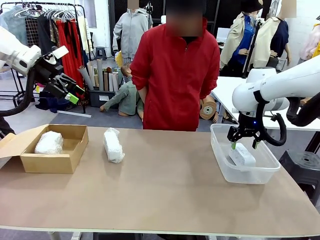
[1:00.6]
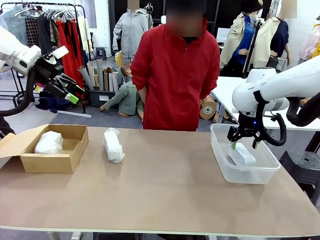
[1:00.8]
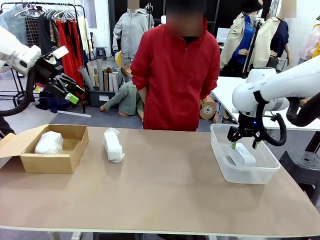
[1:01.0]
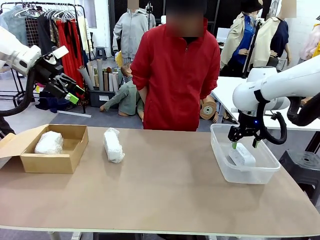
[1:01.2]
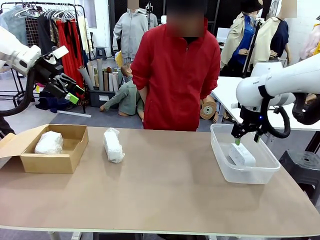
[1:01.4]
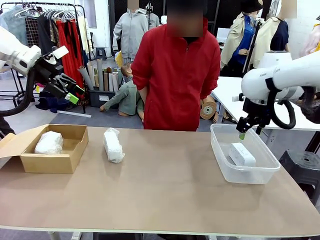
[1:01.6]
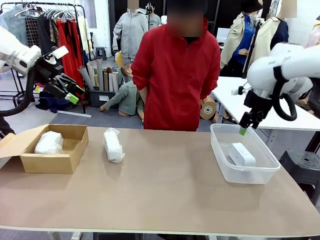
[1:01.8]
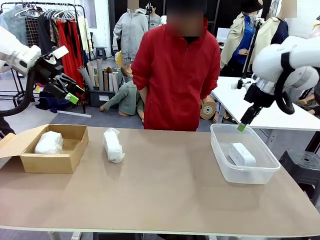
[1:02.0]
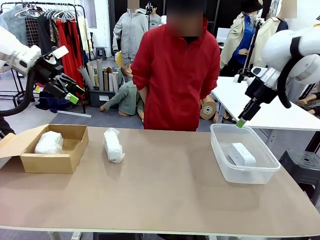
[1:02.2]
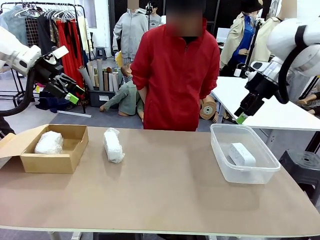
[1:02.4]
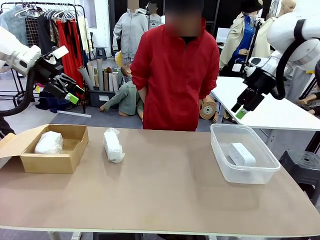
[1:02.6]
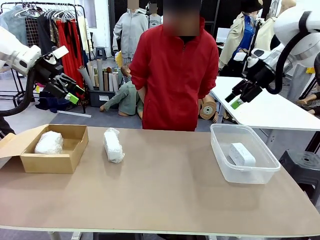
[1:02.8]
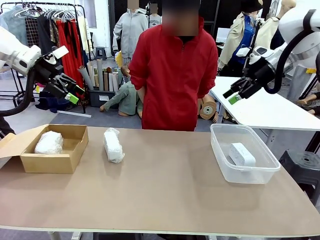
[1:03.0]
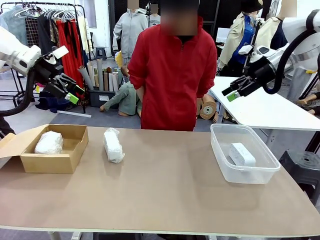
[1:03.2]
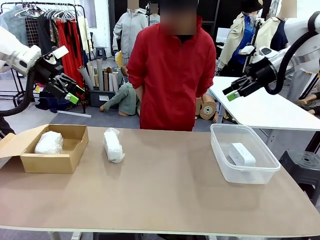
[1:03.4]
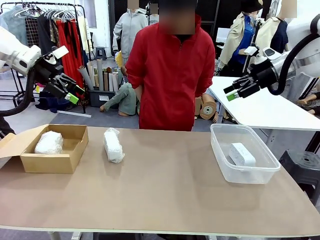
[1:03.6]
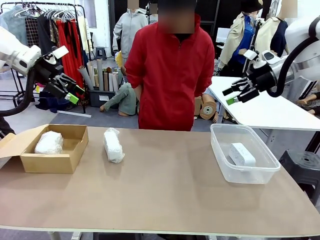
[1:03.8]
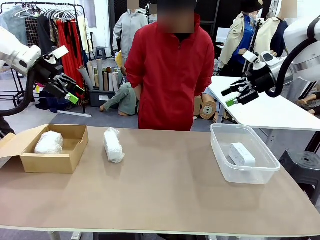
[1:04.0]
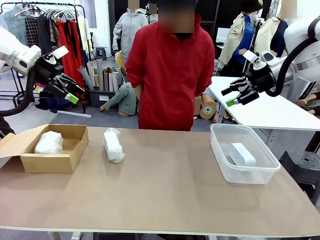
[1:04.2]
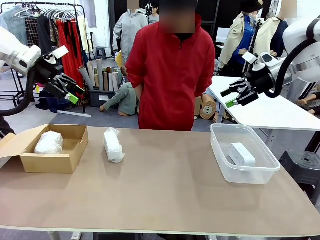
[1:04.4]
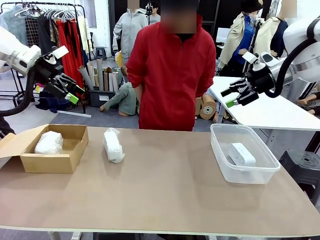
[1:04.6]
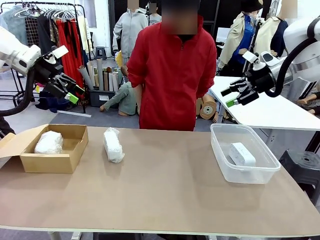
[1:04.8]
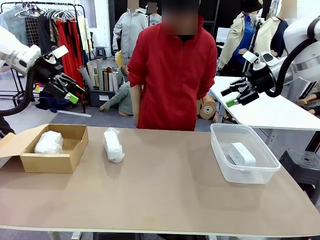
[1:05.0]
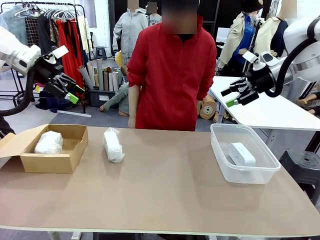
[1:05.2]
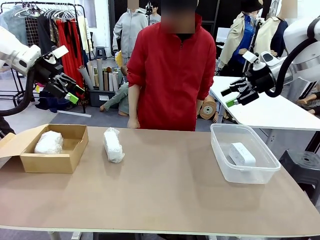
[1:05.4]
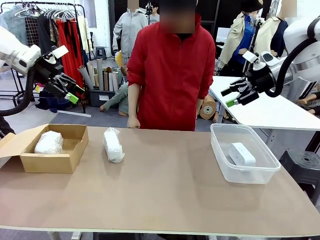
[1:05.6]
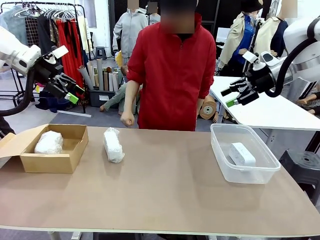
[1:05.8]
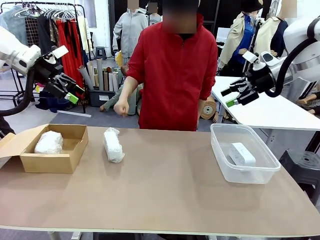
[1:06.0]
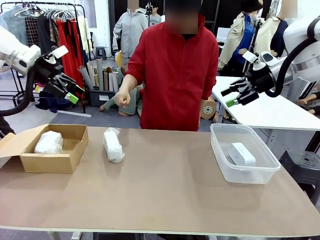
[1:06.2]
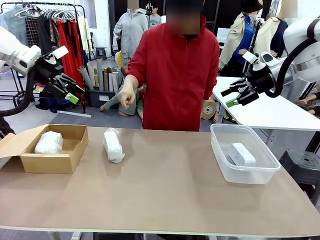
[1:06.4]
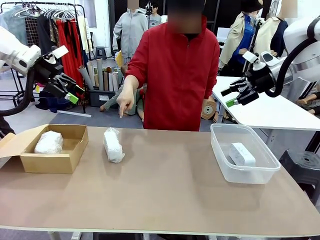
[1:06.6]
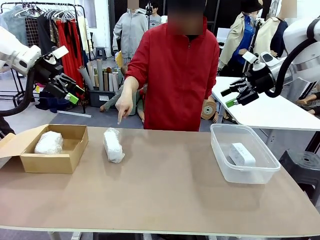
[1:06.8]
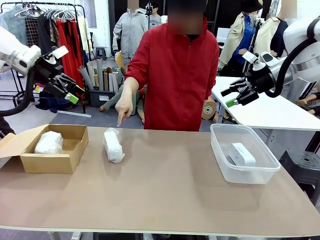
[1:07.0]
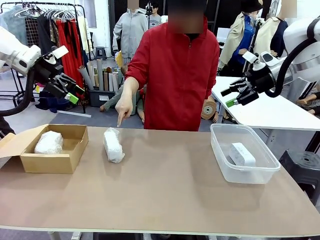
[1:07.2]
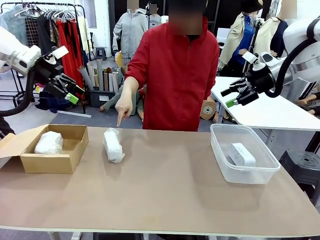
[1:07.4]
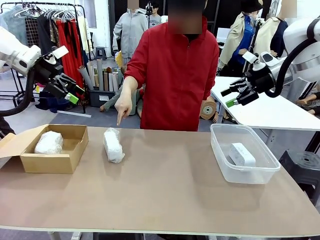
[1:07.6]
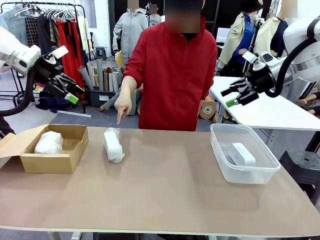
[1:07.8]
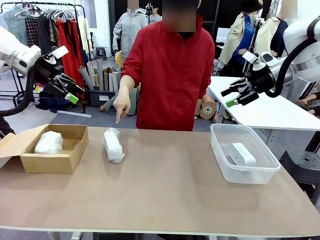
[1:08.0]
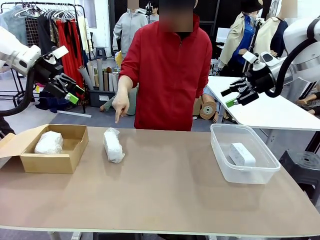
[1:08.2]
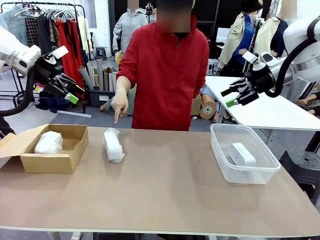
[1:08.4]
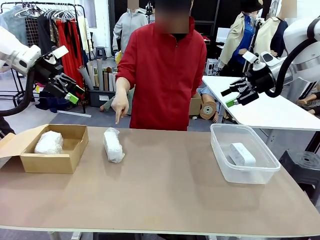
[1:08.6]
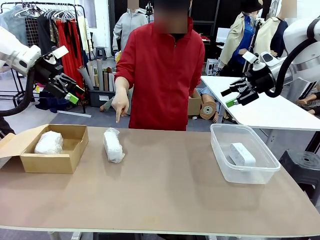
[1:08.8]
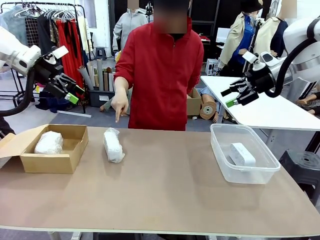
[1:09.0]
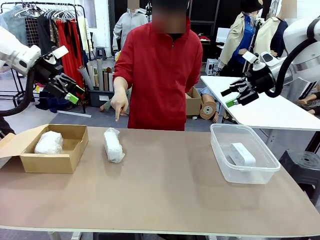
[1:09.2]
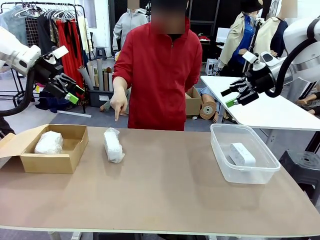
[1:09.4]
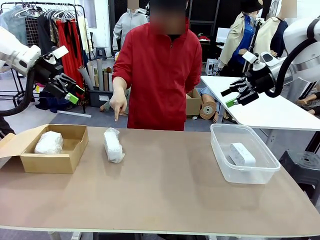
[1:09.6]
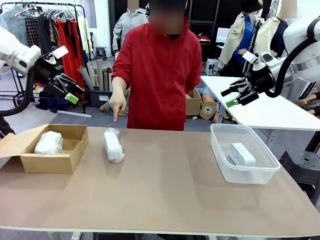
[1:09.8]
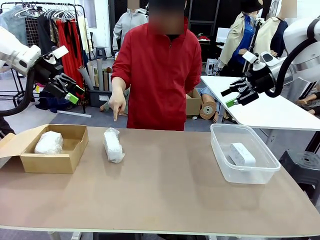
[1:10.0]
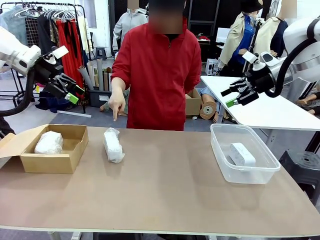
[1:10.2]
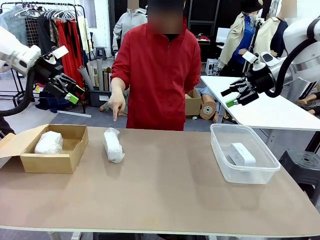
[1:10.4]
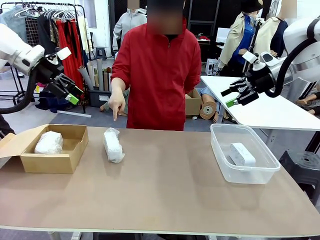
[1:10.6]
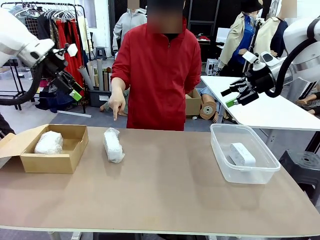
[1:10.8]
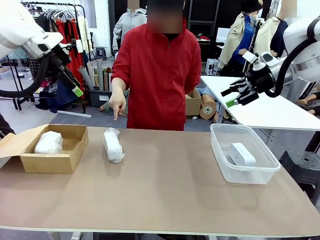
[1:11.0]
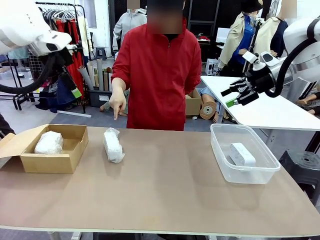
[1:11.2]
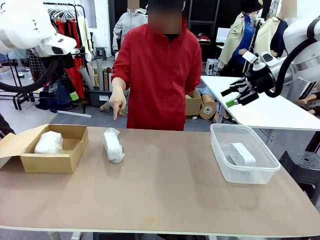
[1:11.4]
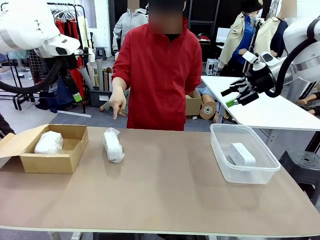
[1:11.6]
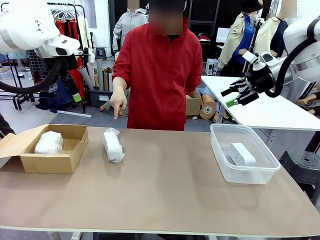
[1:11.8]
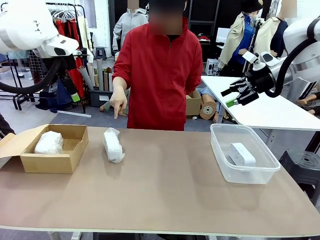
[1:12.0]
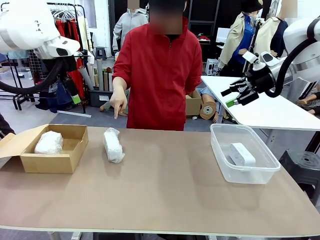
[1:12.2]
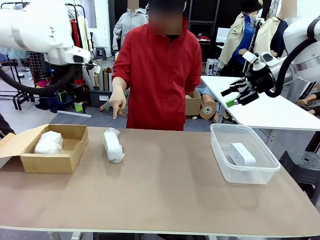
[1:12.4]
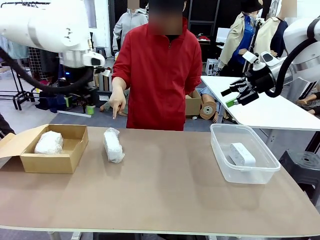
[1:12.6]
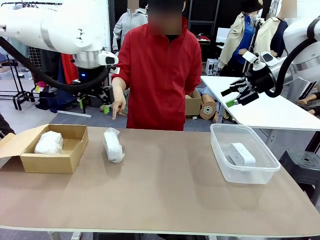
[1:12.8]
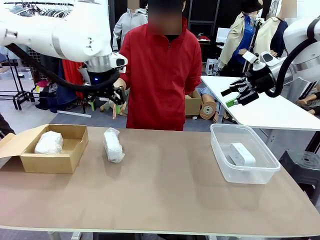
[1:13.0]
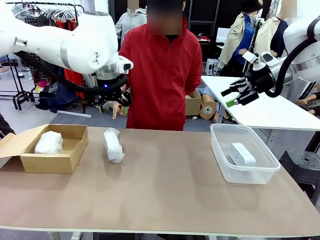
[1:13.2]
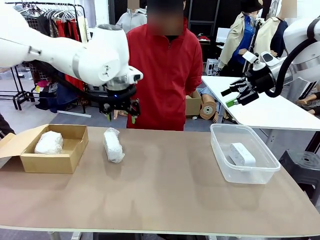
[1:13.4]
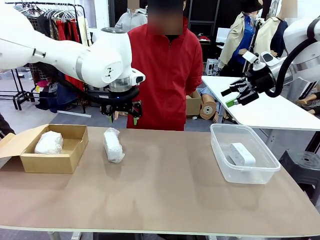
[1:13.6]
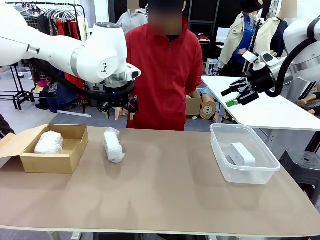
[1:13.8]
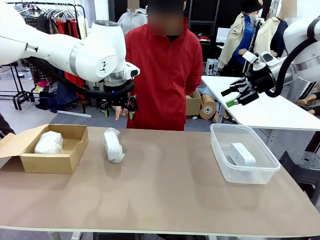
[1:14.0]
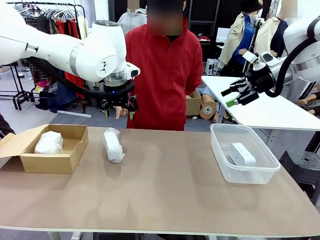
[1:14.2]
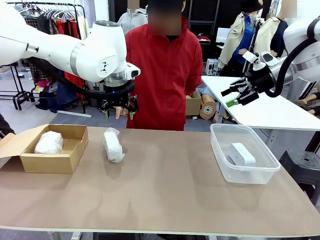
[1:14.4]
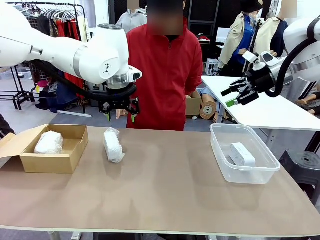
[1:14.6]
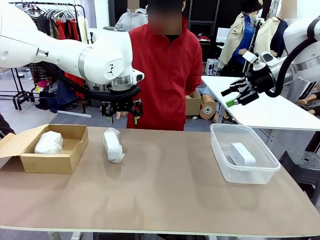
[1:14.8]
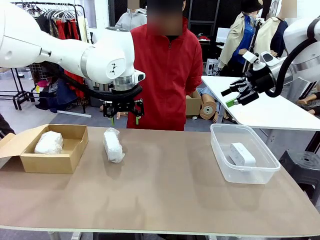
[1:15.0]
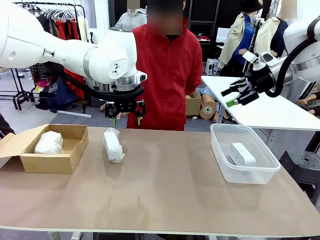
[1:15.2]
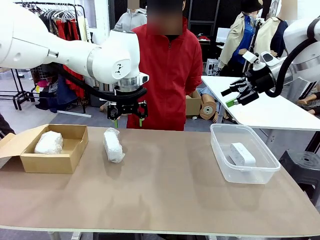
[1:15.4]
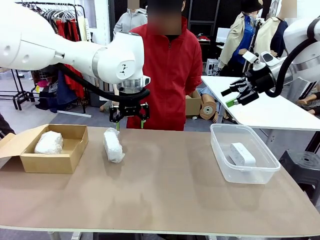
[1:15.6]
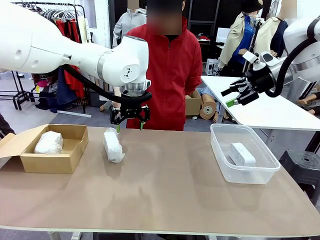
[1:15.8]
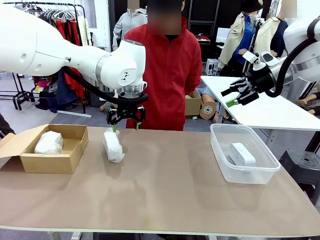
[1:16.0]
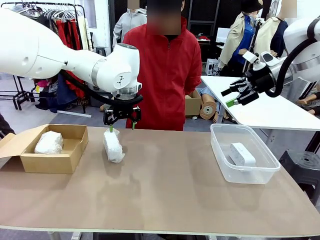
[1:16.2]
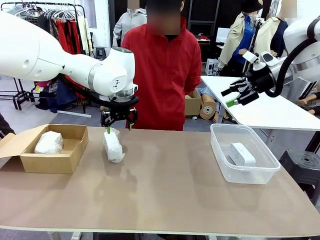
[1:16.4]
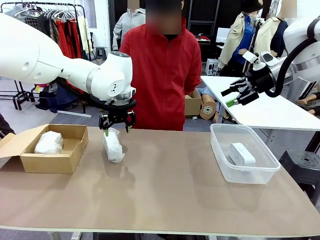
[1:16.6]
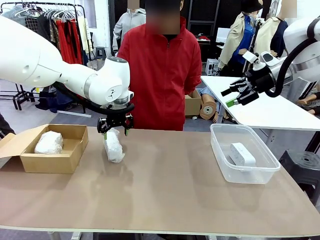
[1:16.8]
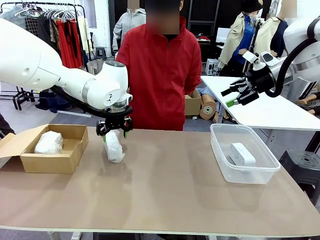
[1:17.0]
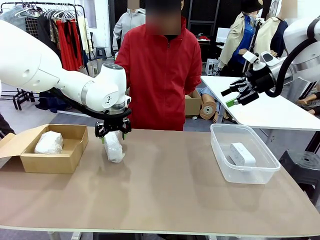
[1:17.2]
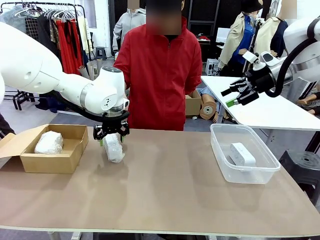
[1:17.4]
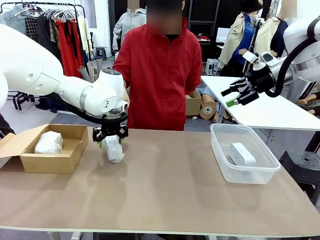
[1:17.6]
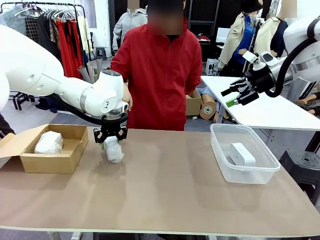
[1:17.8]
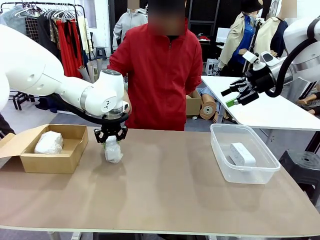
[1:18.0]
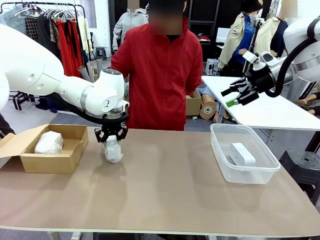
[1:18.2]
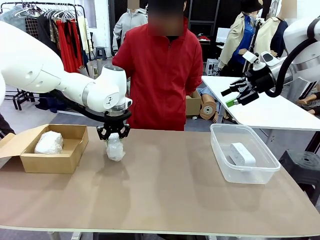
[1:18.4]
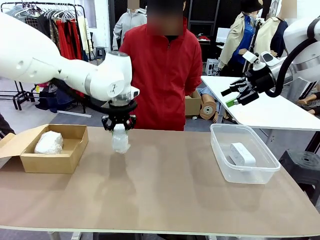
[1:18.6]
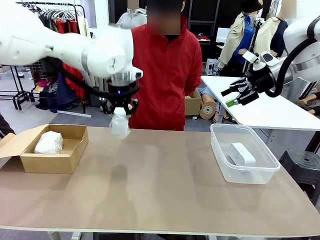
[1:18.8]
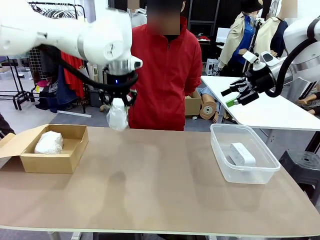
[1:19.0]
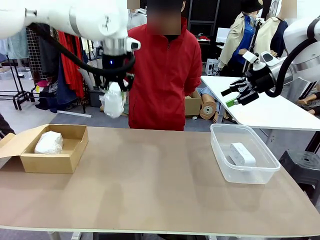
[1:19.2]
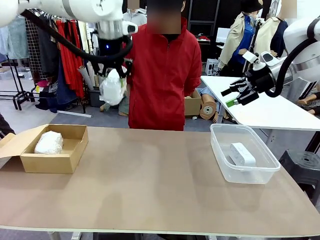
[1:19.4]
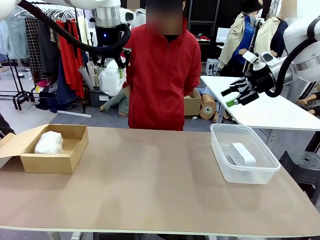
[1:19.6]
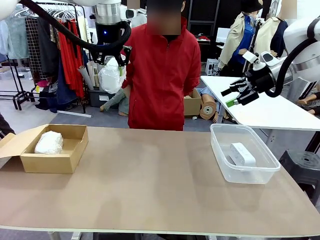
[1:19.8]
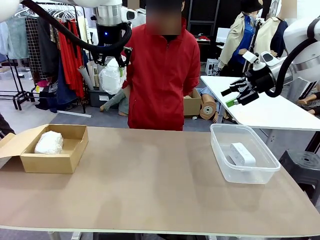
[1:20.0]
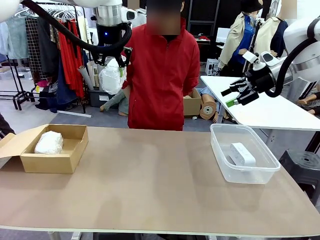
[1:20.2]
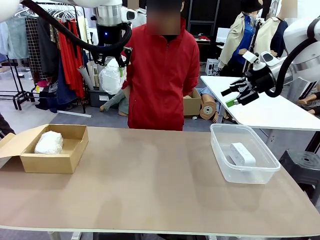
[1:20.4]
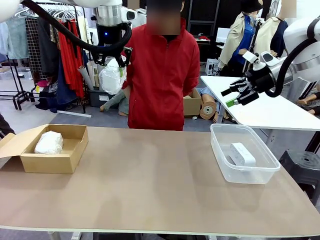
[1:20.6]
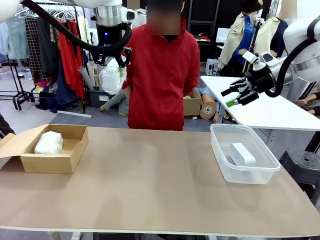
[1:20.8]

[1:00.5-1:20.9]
Task: Separate and place wrapped and unwrapped clocks.
Robot: Pick up the Digital clock indicated by the person.
